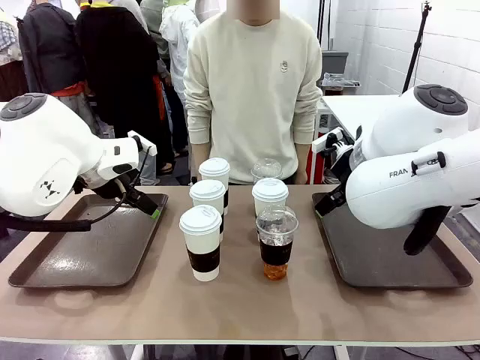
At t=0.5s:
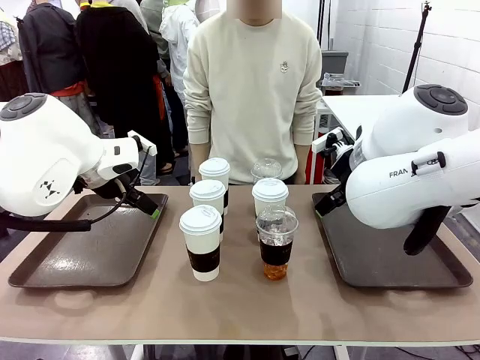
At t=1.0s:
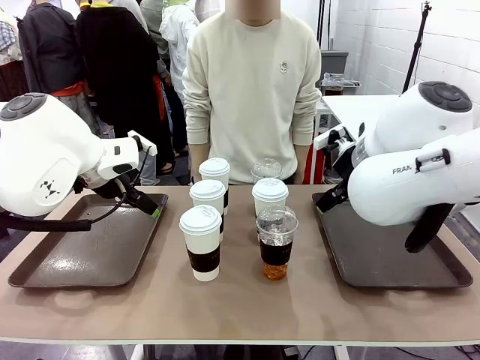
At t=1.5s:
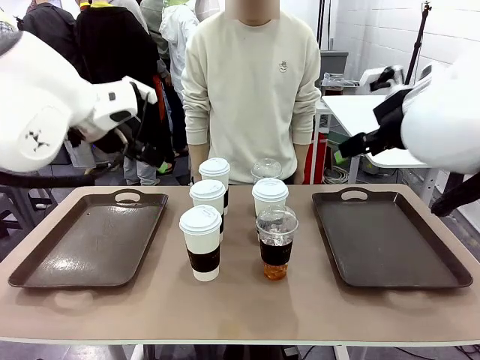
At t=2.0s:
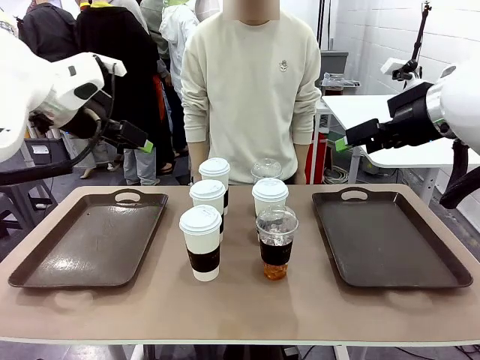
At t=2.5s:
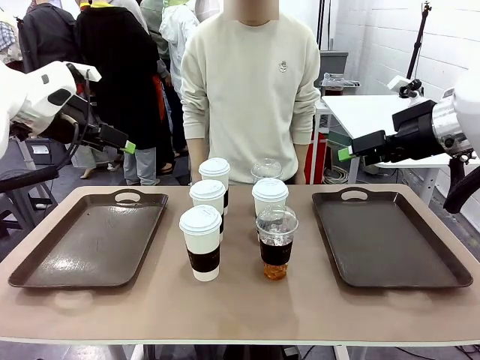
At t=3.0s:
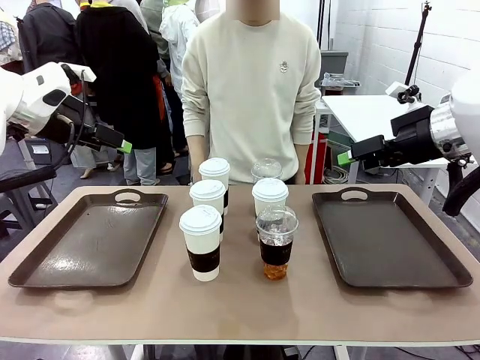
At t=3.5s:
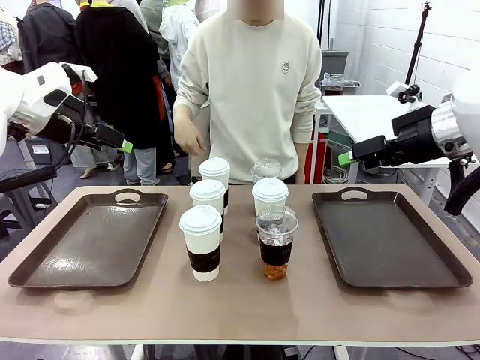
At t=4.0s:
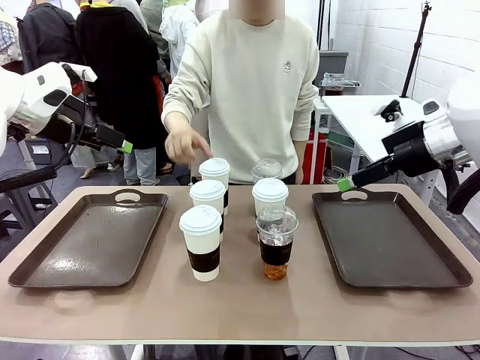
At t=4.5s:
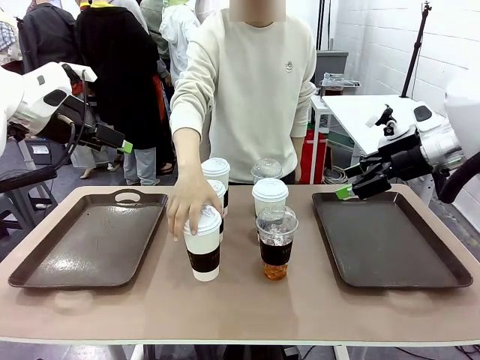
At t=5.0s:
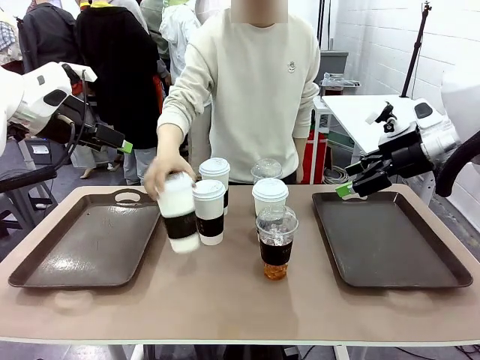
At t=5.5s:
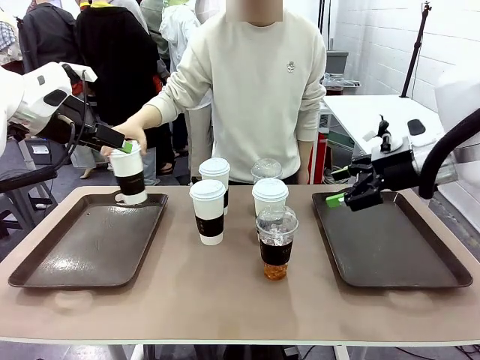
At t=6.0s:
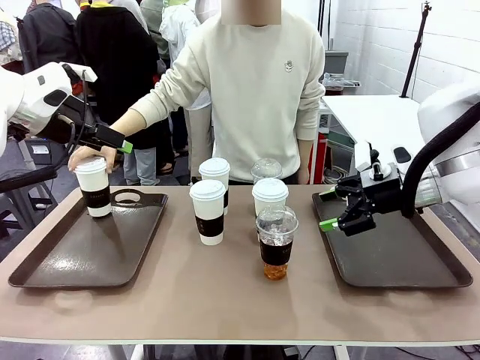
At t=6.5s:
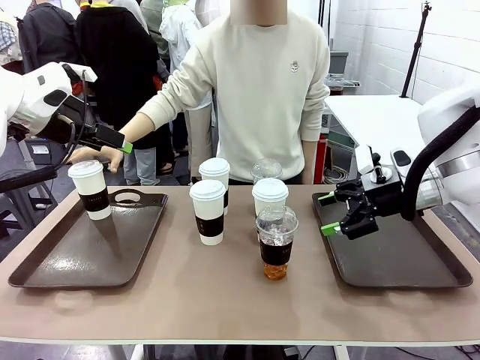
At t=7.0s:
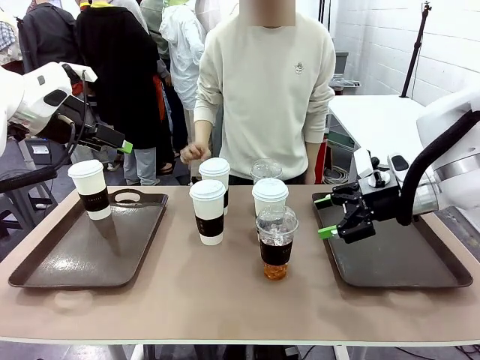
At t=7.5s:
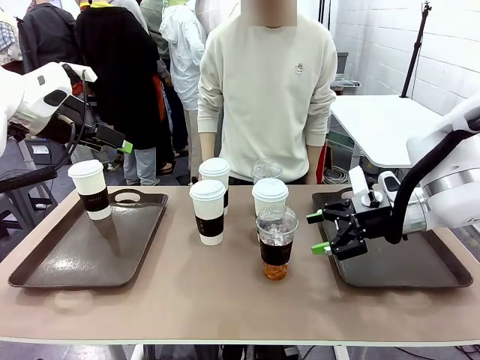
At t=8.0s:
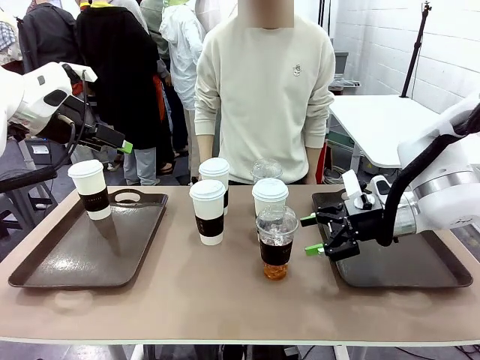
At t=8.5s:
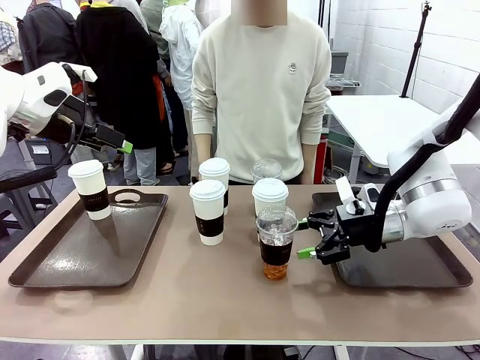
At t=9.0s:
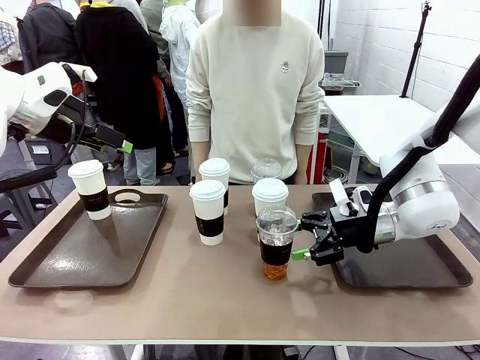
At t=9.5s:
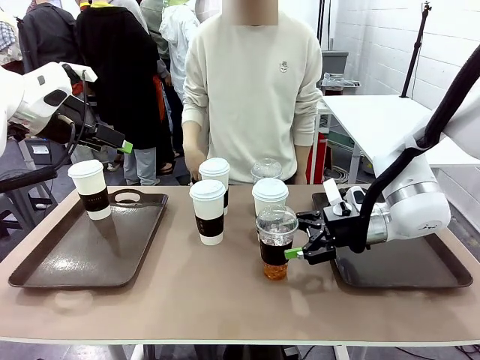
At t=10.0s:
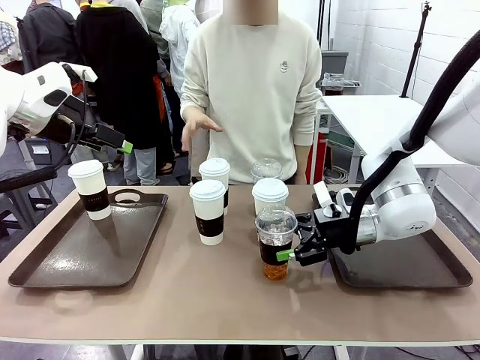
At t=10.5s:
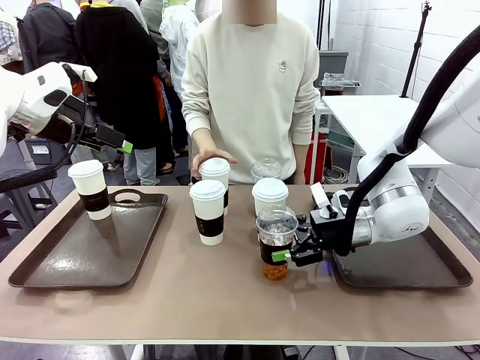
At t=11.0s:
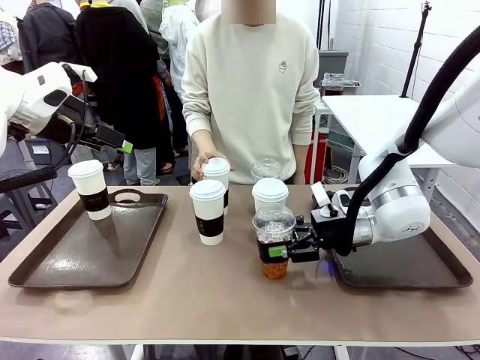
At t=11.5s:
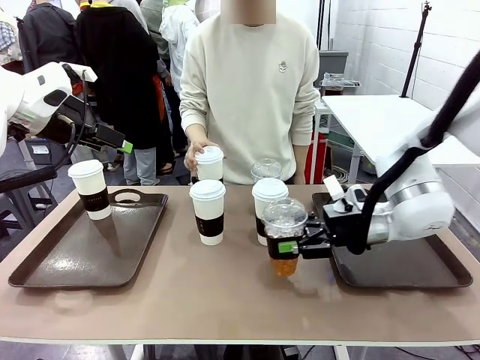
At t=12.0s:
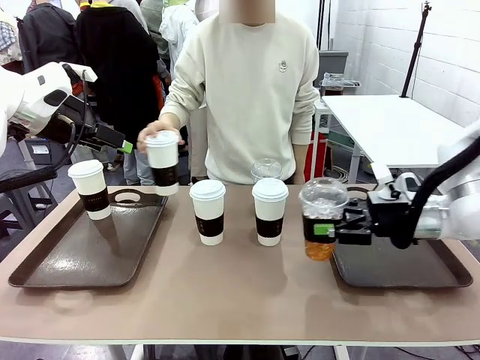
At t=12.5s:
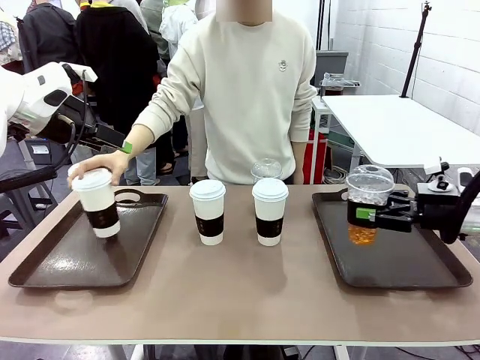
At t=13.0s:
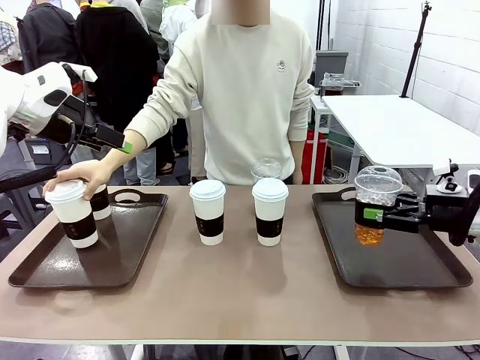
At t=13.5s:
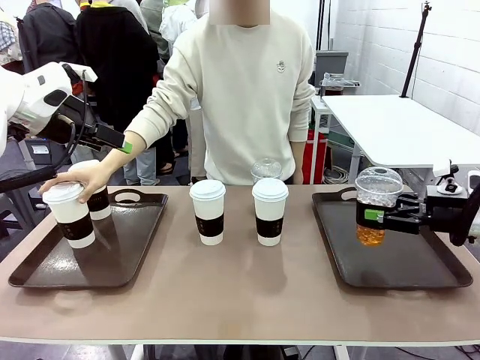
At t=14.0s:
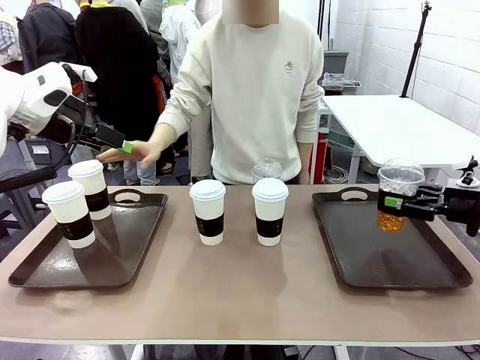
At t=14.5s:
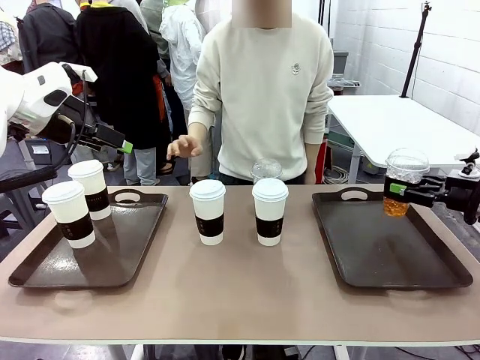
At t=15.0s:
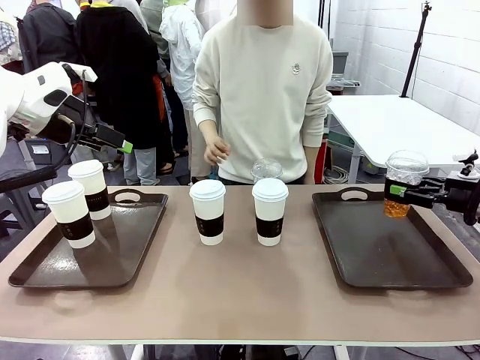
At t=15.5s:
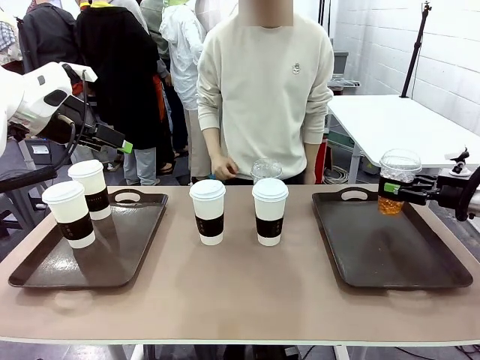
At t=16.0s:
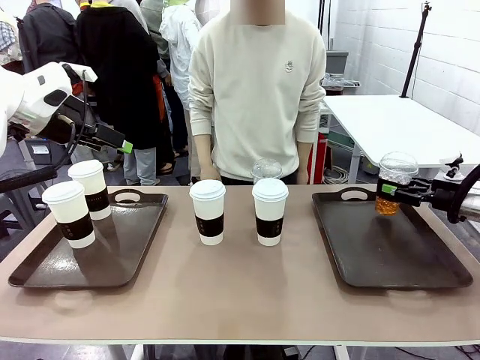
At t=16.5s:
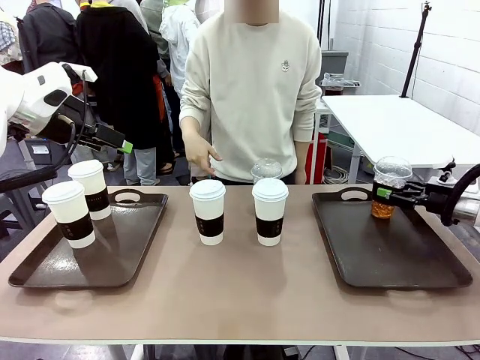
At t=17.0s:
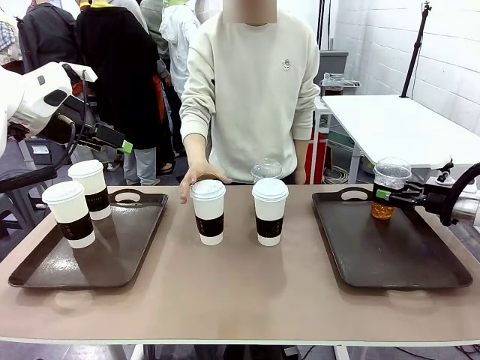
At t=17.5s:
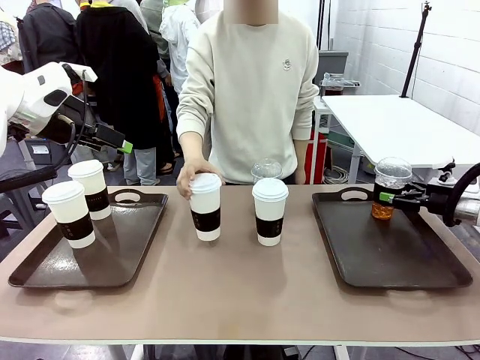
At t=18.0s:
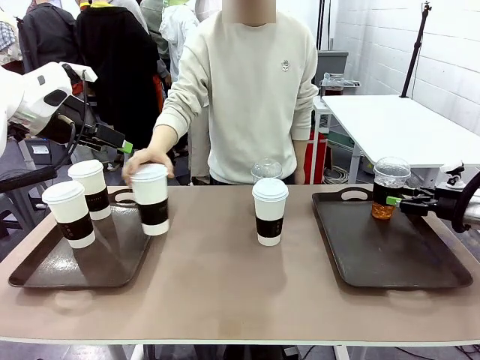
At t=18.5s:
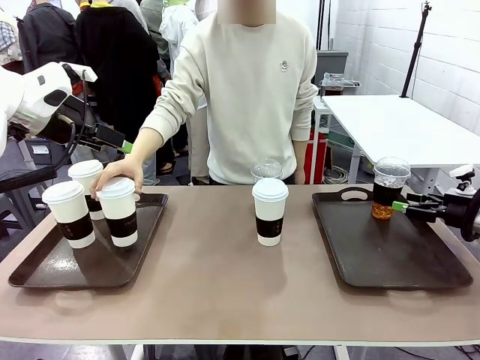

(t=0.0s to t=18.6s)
Task: Distribute the coffee onto the tray.
Robot: Pick up one iced Americano and place it on the right Handle tray.
Person: Pick up a cup of hot Americano and place it on the right tray.

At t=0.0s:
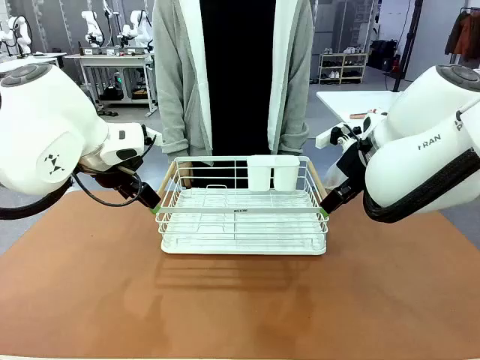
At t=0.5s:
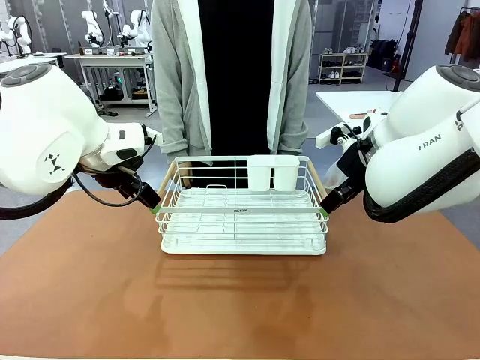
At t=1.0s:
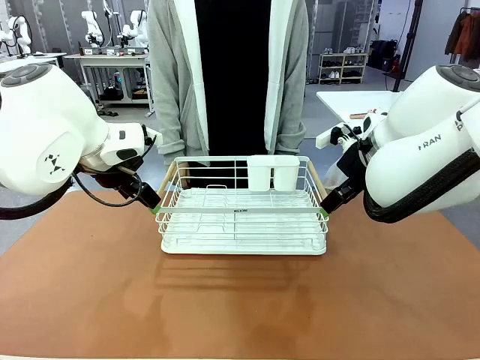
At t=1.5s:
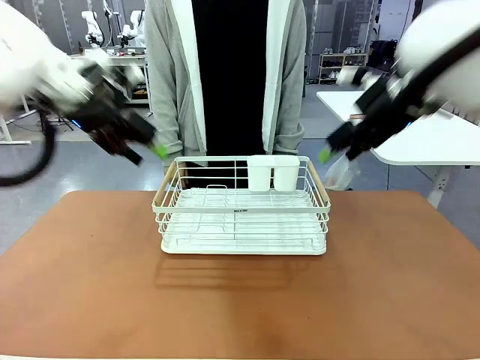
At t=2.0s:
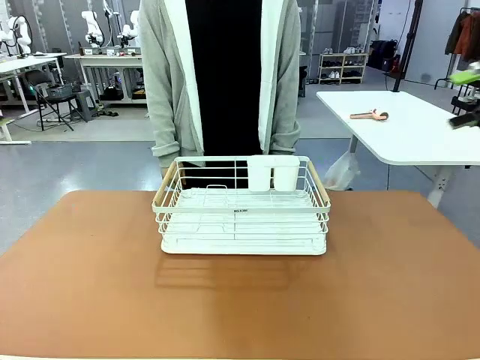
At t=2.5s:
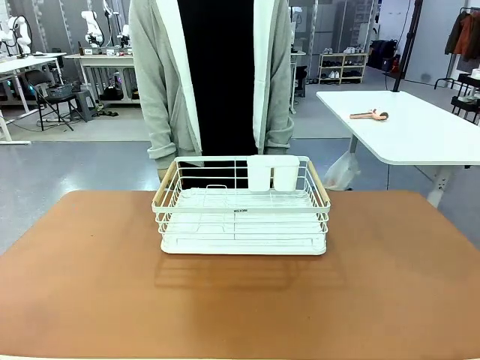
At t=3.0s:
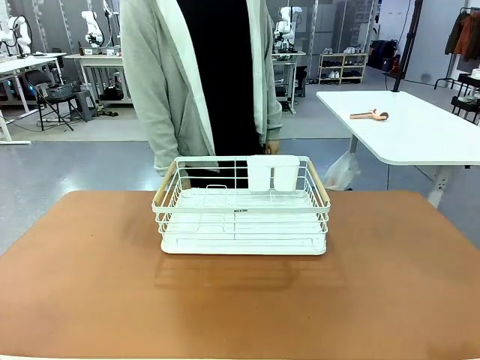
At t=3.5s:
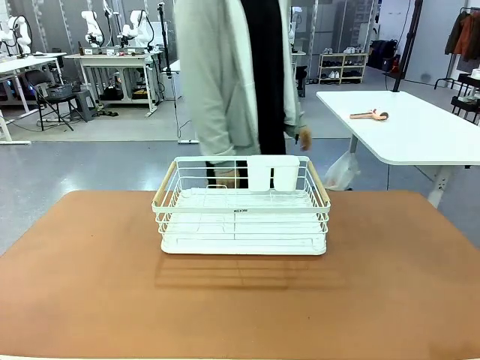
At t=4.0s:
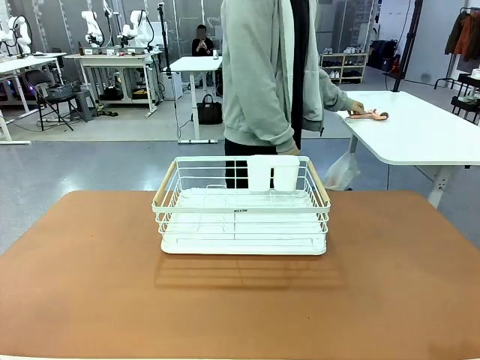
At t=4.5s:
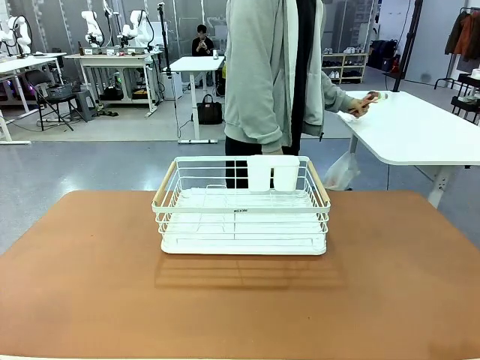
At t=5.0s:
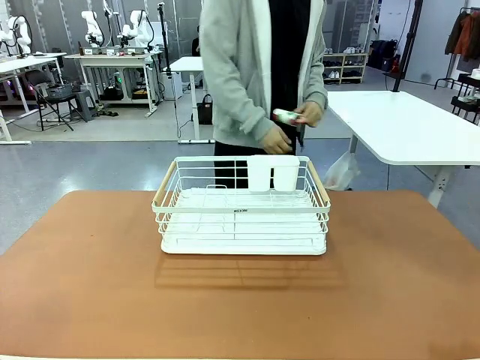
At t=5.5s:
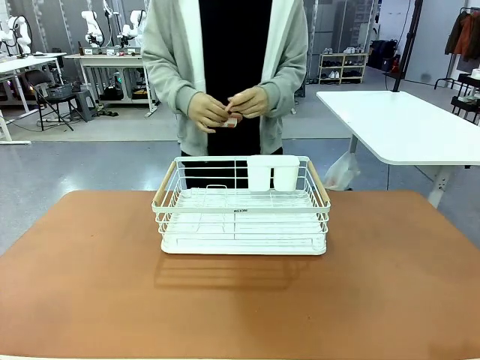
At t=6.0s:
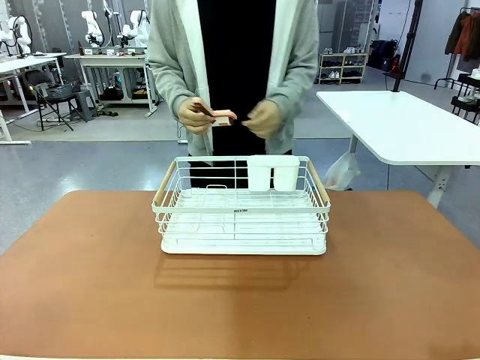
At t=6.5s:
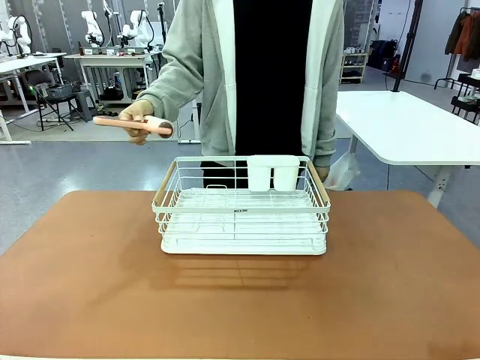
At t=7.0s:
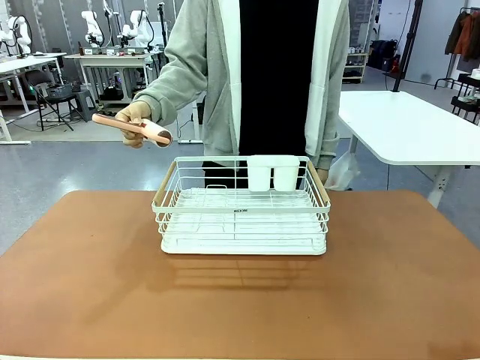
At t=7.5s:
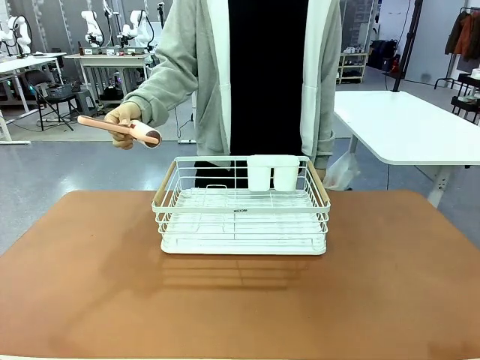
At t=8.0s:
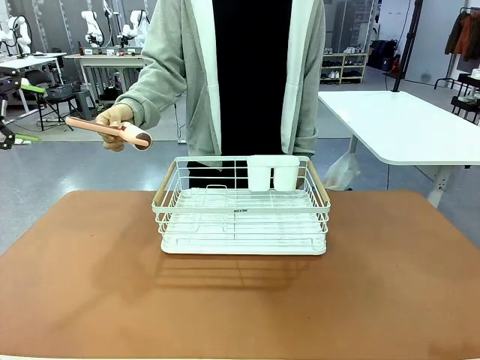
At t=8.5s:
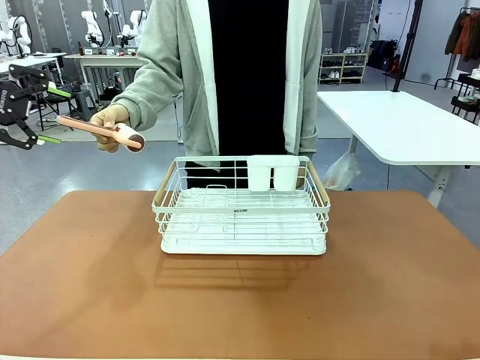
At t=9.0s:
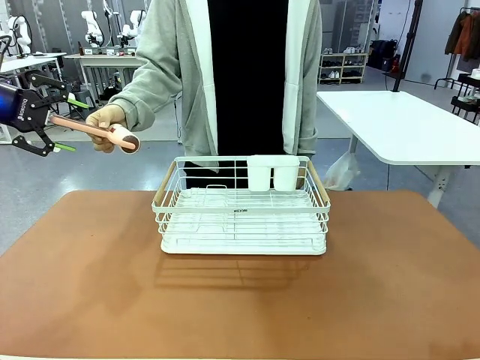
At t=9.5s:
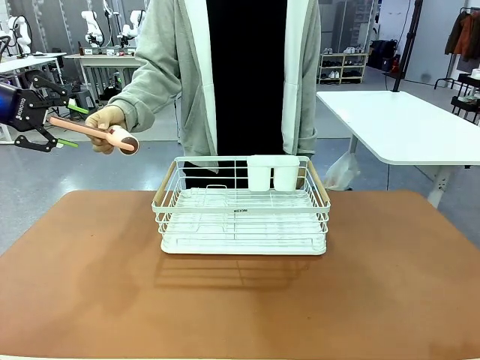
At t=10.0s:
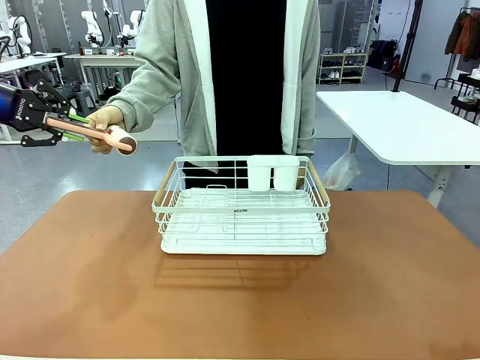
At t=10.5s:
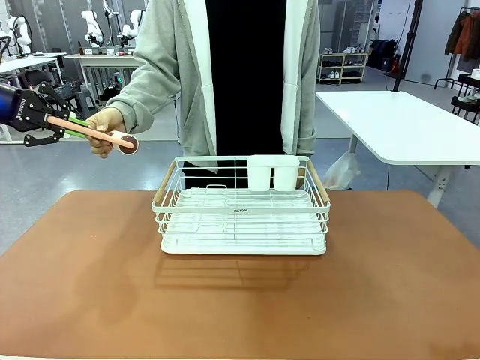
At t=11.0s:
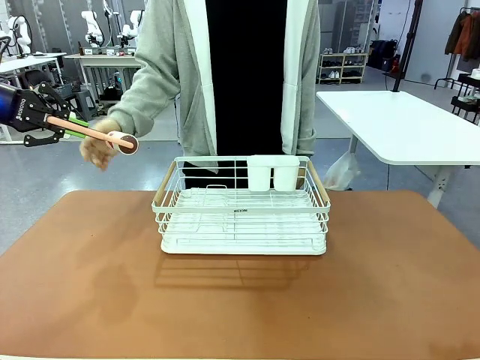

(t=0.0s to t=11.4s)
Task: Clean the table.
Robot: Pick up the Lint Roller when the human hands it over.
Person: Hand the Lint Roller to the robot so it can easily pick it up. Lift the Dish drying rack.
